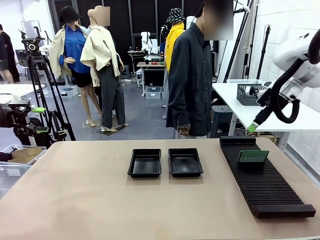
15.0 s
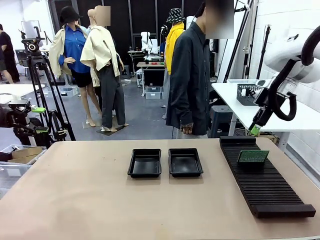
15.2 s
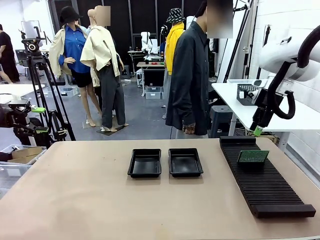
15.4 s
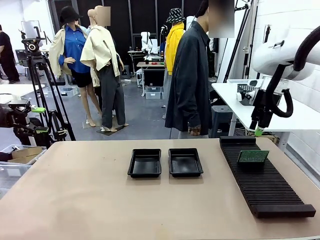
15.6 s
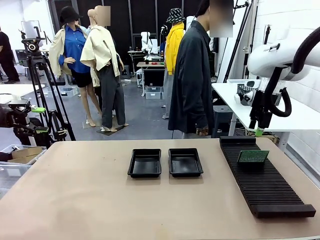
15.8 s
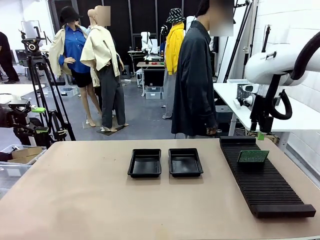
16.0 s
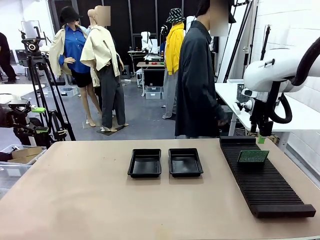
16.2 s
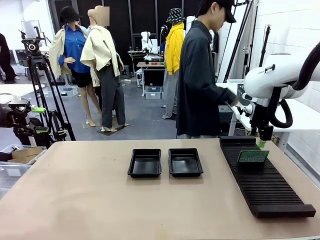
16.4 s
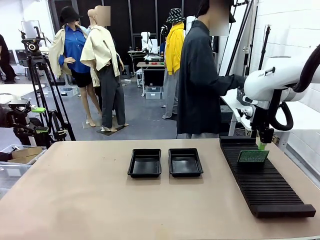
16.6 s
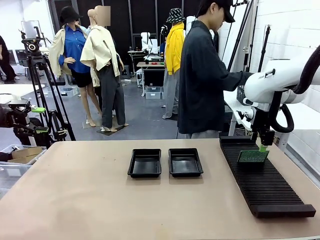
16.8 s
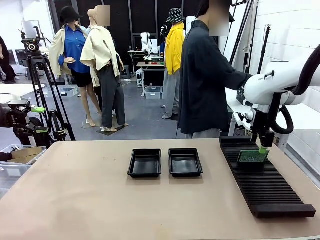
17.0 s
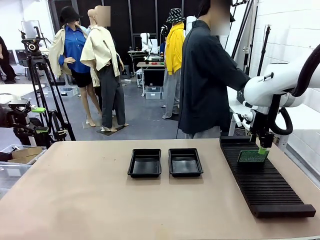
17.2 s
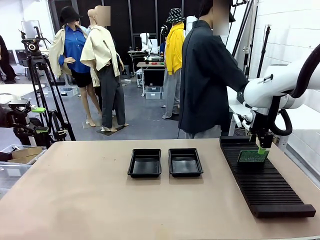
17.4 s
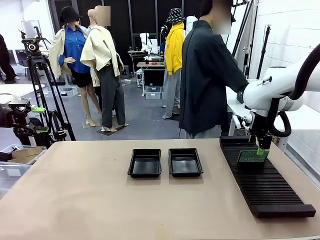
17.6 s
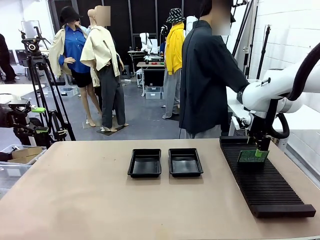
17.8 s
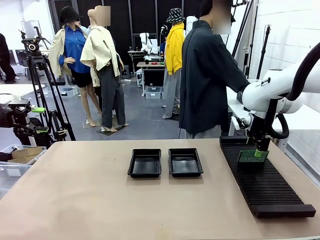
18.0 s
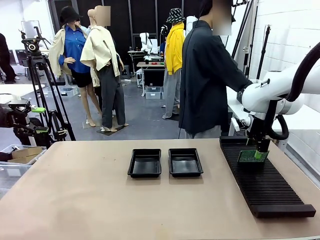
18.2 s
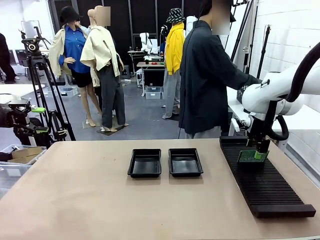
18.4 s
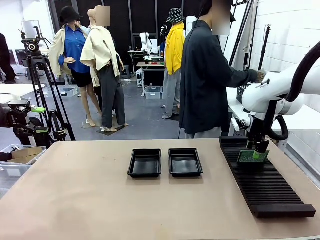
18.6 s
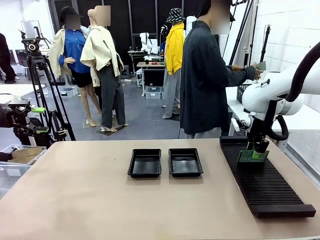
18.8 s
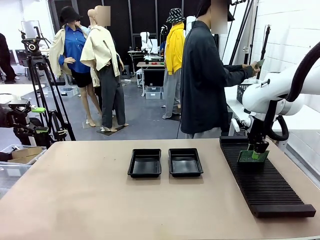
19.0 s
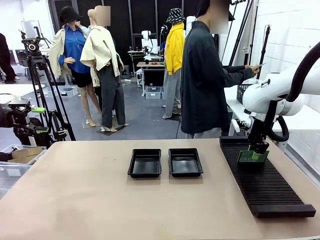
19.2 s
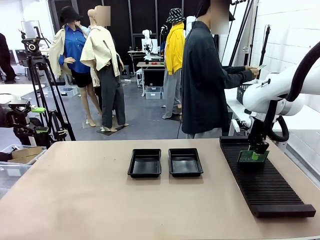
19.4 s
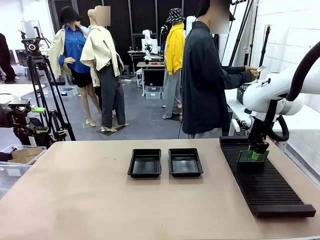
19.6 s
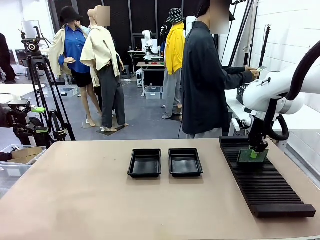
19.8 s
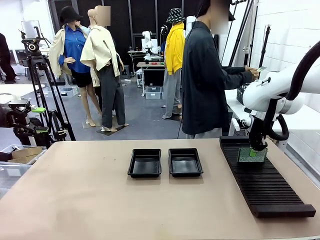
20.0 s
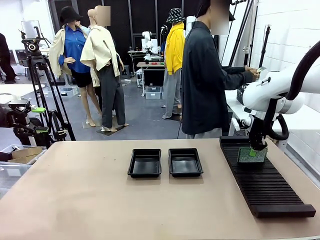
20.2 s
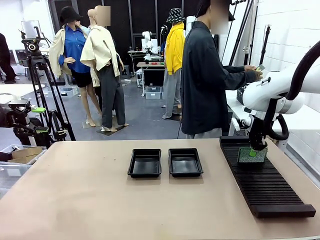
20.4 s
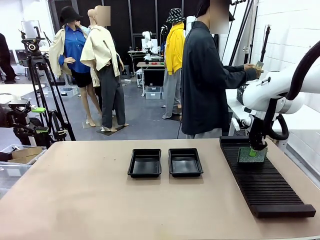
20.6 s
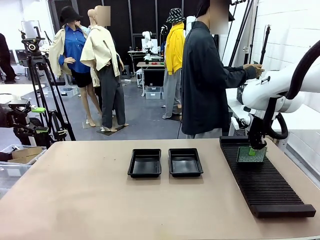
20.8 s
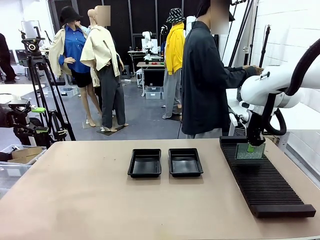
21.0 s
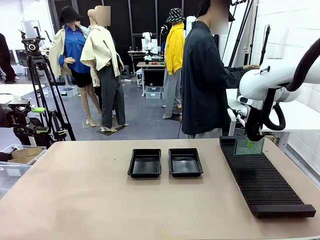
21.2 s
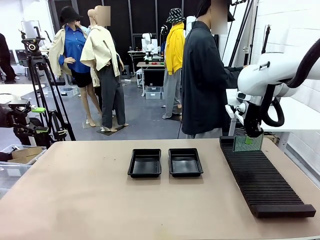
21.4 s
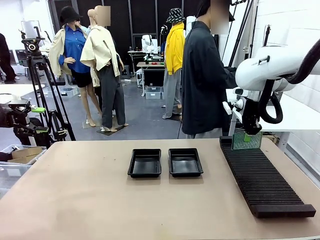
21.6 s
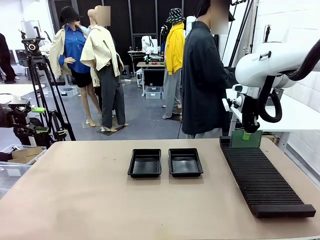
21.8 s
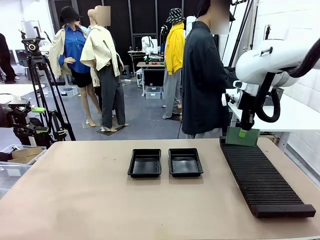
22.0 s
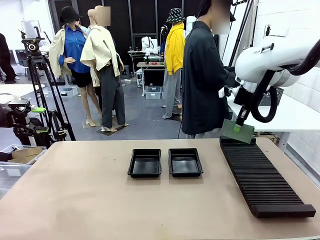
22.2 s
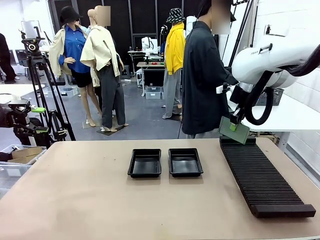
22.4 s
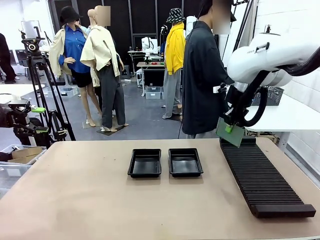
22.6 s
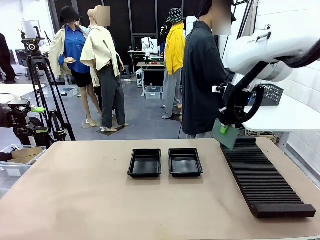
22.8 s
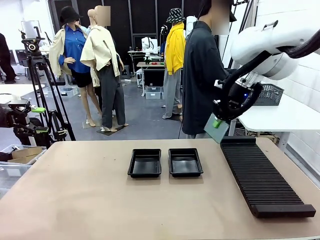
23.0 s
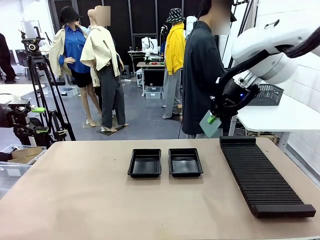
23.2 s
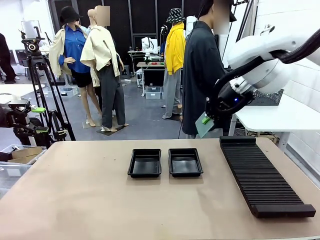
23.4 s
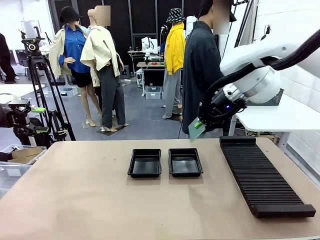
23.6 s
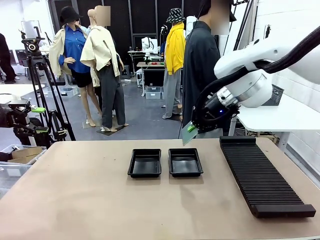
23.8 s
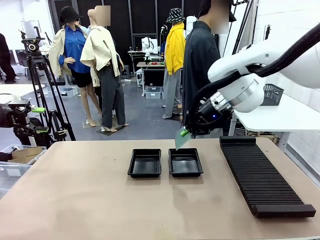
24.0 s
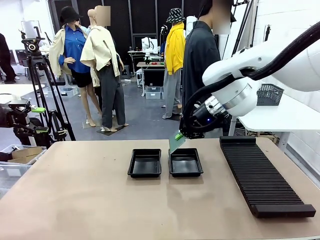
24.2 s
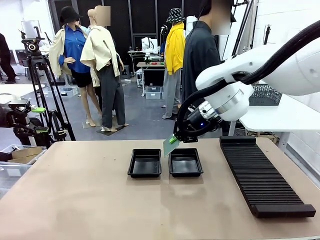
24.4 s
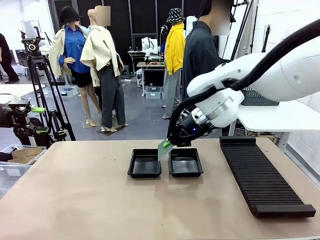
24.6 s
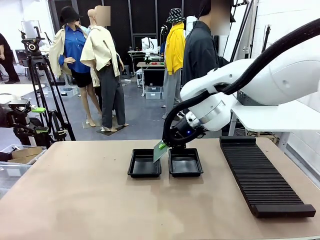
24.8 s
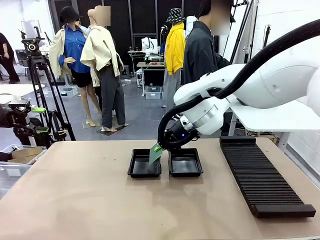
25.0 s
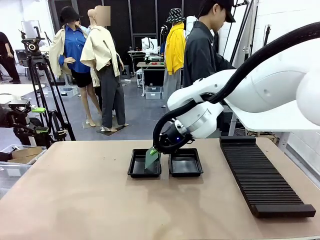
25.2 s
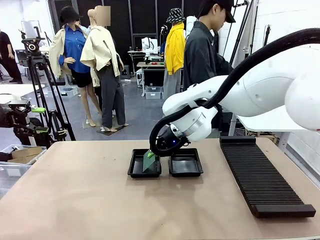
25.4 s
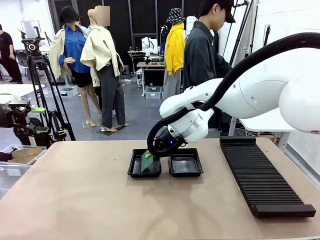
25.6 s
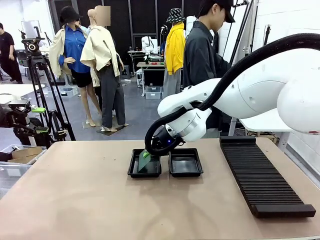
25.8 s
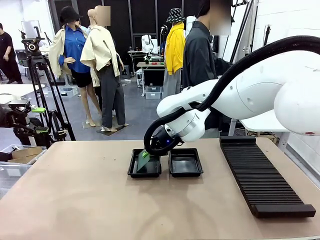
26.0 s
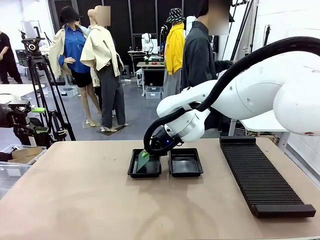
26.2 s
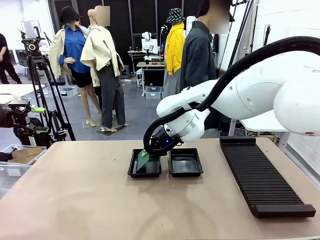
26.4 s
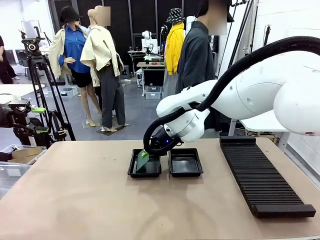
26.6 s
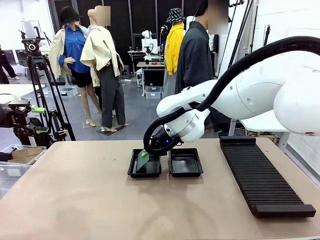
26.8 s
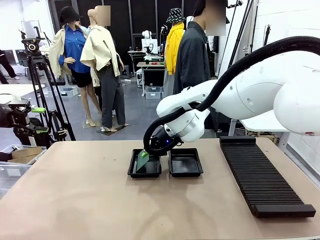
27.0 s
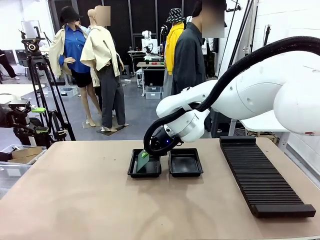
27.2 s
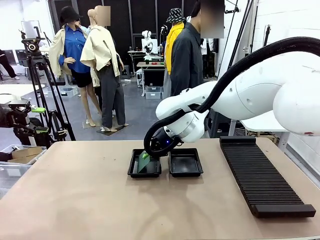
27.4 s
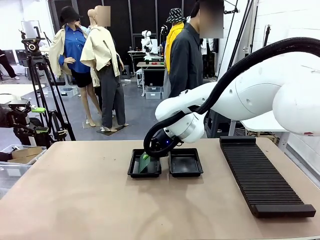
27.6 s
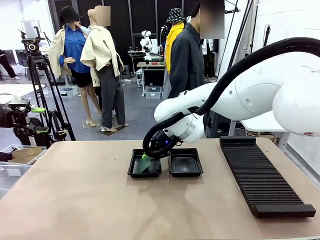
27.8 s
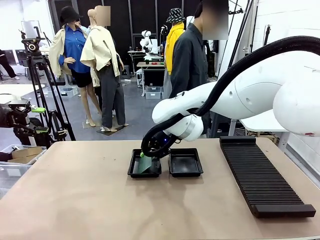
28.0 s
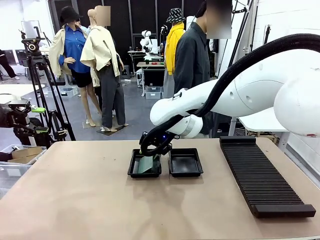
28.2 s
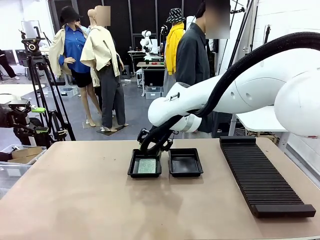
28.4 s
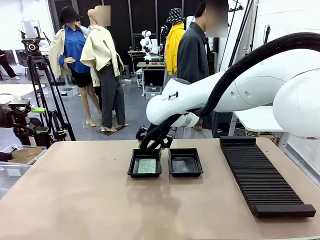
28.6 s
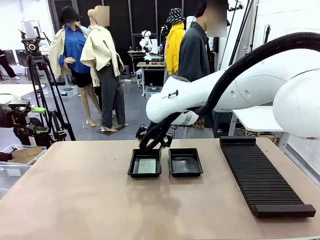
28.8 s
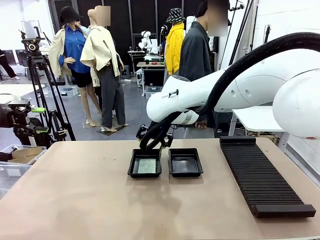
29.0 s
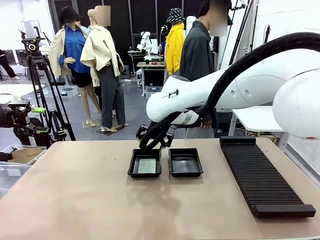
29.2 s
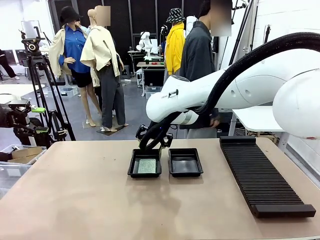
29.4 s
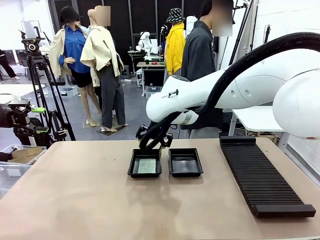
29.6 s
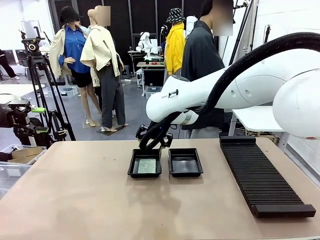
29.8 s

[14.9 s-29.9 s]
Task: Inspect and transfer BCBs to ESD trays.
Robot: Pick up the Blank PCB from the PCB Rack and place it in the left ESD tray.

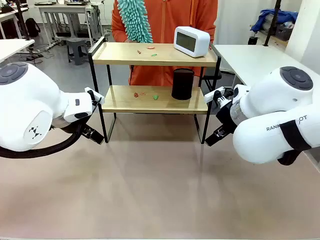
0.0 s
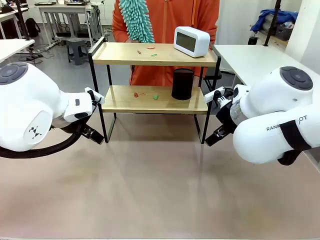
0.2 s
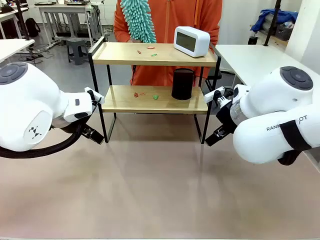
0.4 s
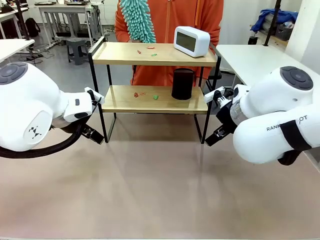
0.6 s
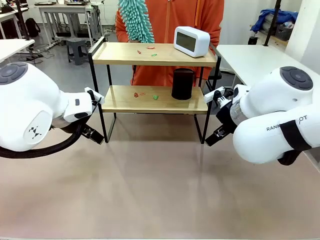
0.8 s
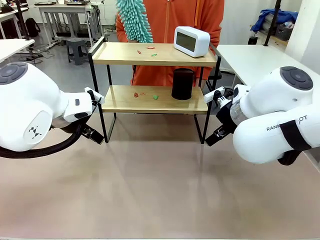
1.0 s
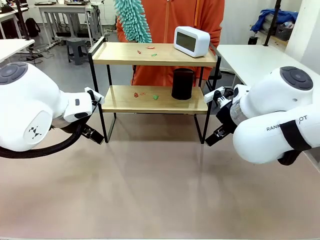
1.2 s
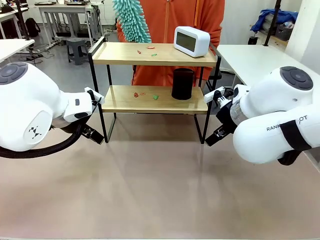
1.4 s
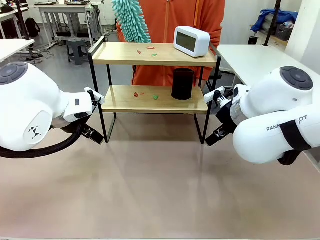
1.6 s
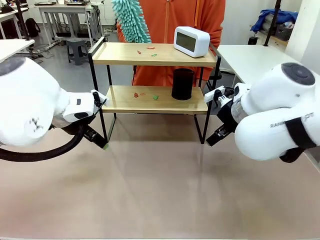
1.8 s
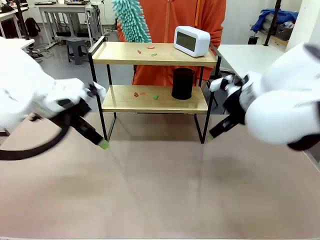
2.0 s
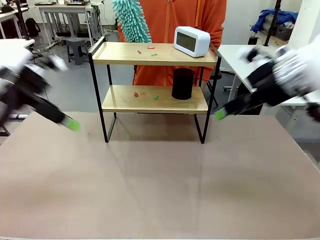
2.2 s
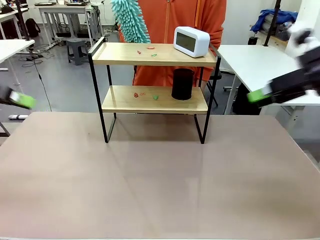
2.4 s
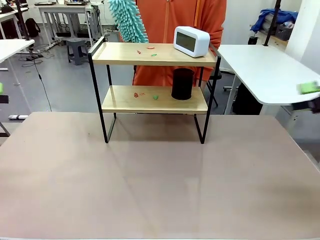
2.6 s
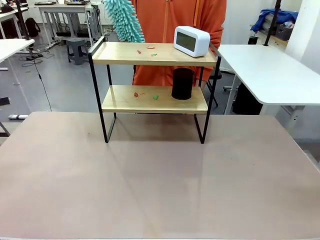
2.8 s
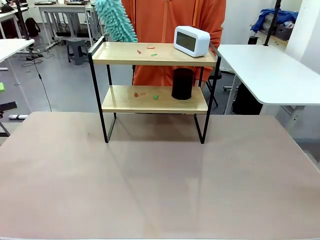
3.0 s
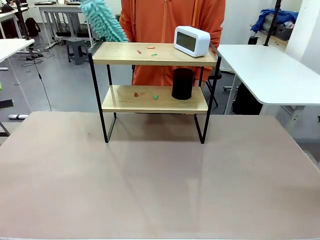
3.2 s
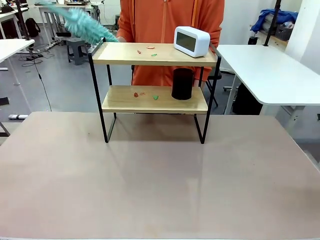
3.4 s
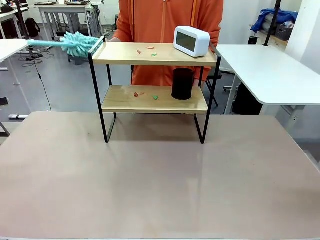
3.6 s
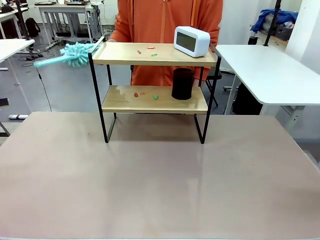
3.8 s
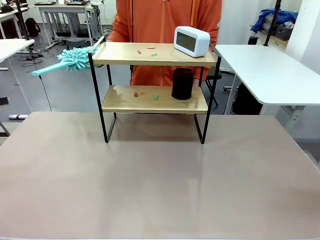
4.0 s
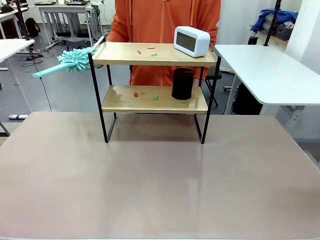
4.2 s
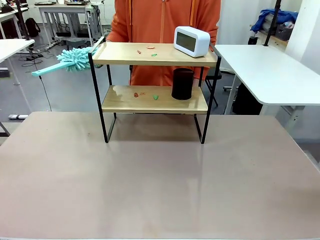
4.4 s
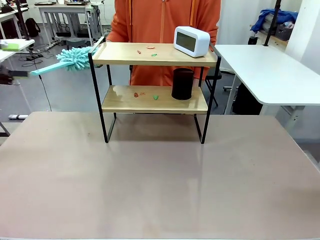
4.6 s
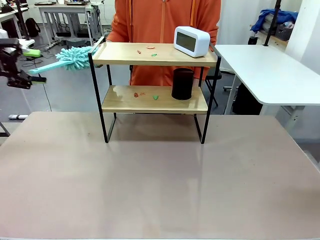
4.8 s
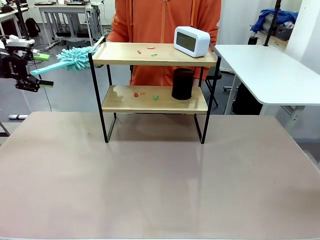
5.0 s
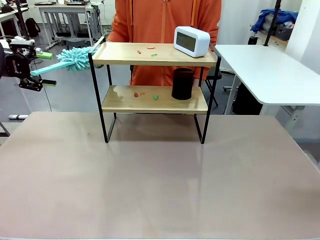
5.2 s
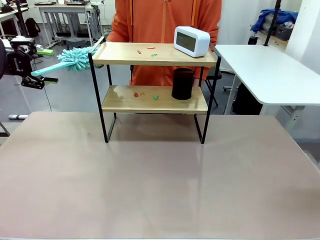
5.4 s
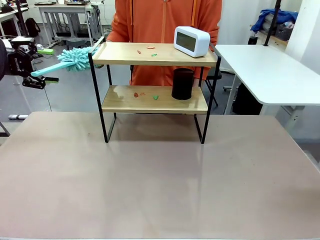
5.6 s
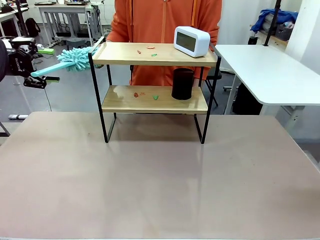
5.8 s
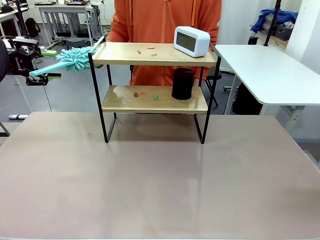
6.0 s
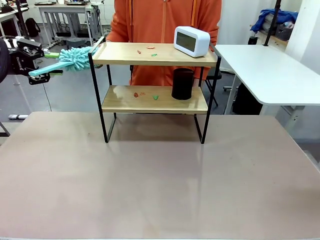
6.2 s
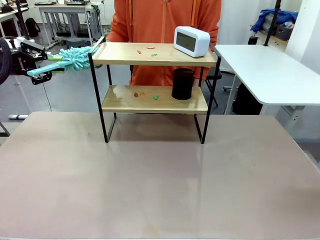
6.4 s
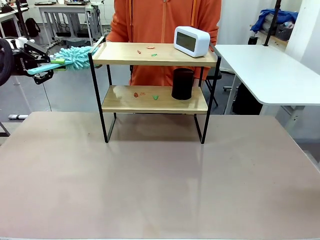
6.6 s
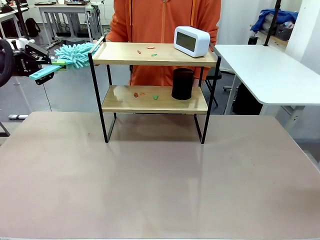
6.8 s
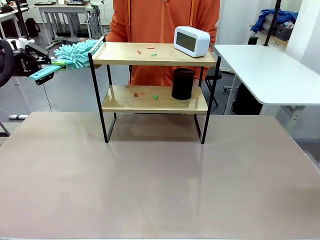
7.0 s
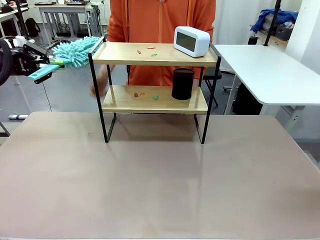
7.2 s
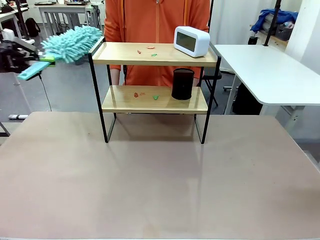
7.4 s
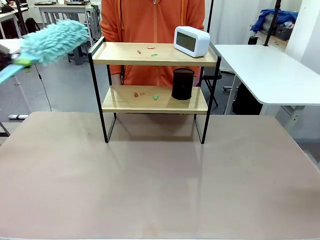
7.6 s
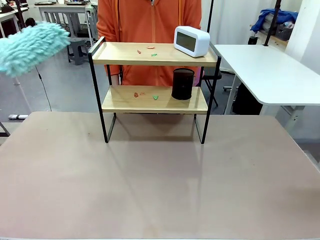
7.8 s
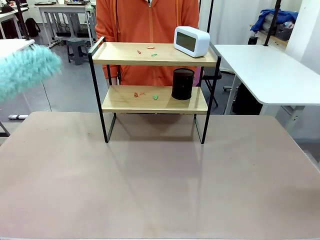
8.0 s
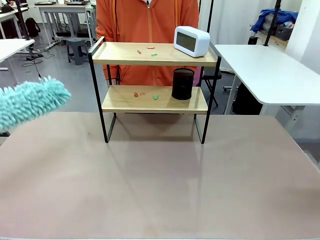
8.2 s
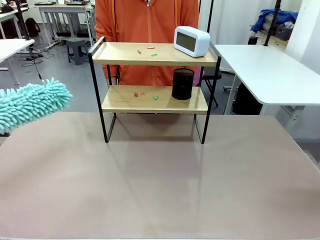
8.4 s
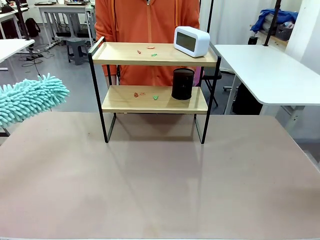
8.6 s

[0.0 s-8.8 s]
Task: Clean the shelf.
Robot: Pick up the Duster from the human.
Person: Hand the Duster to the robot.
